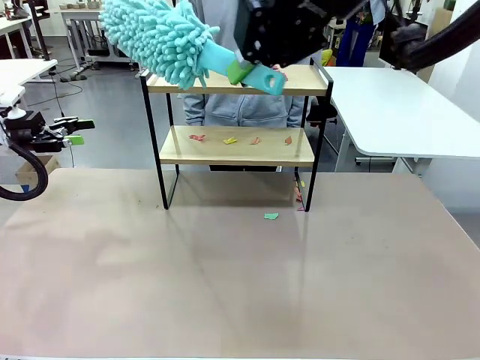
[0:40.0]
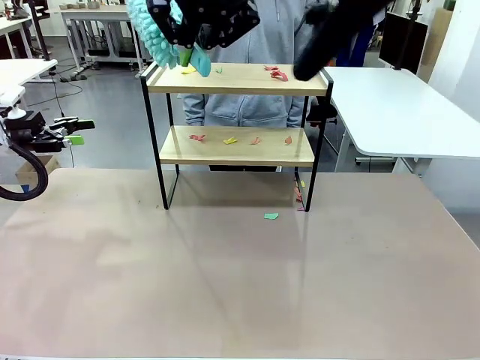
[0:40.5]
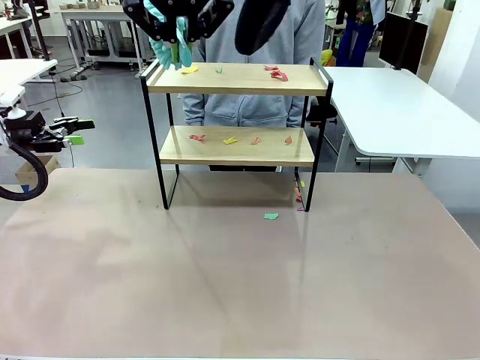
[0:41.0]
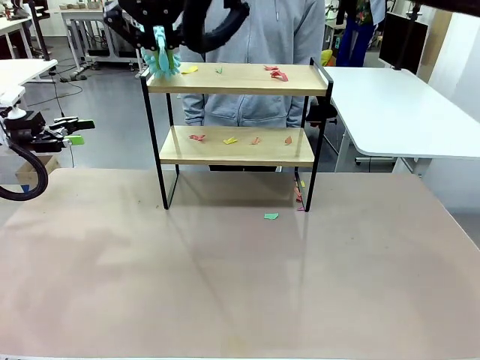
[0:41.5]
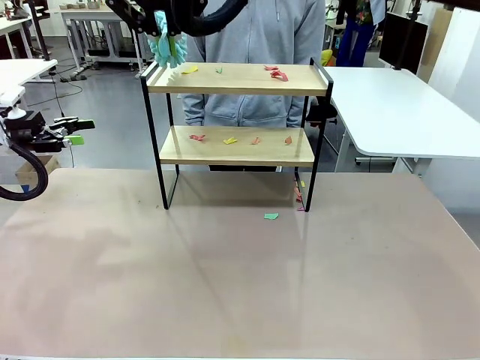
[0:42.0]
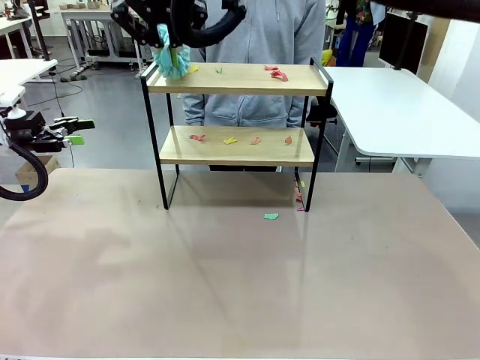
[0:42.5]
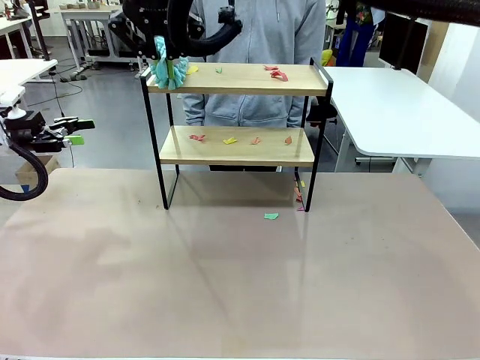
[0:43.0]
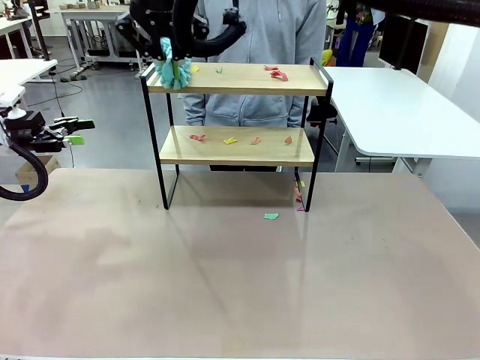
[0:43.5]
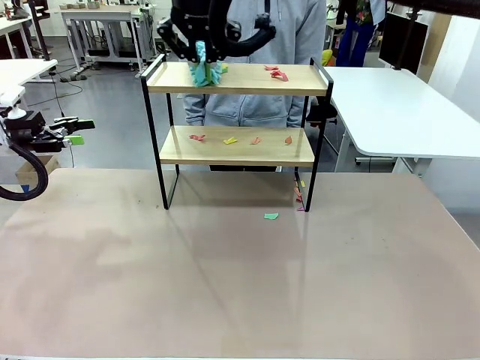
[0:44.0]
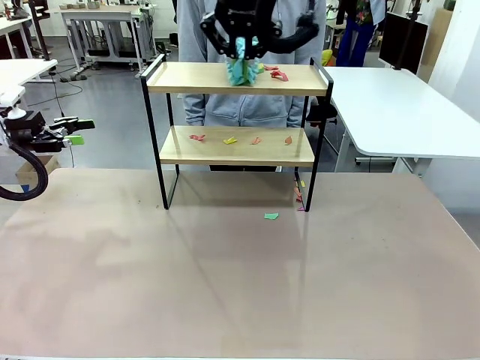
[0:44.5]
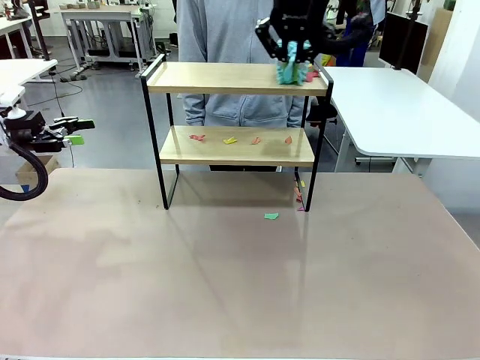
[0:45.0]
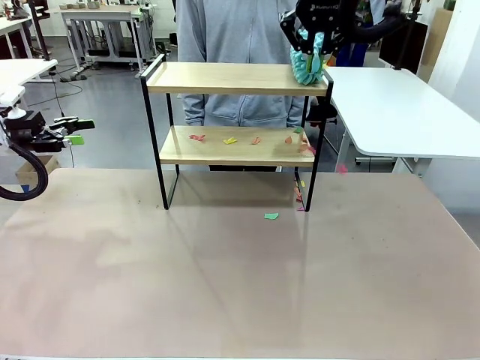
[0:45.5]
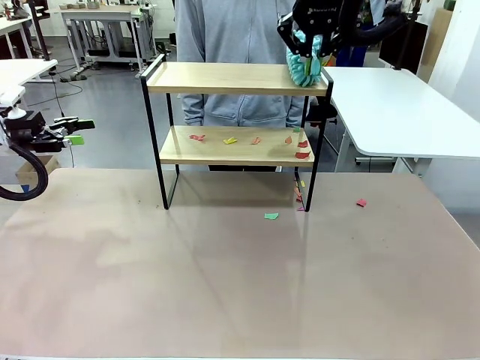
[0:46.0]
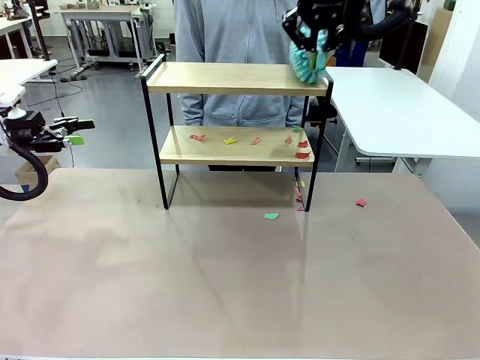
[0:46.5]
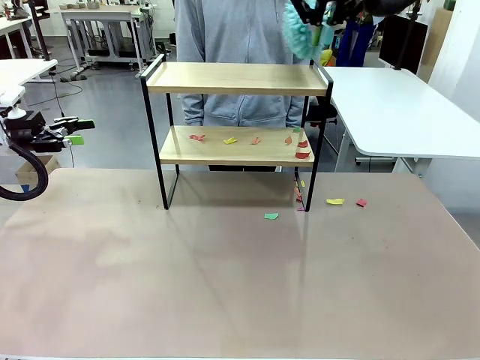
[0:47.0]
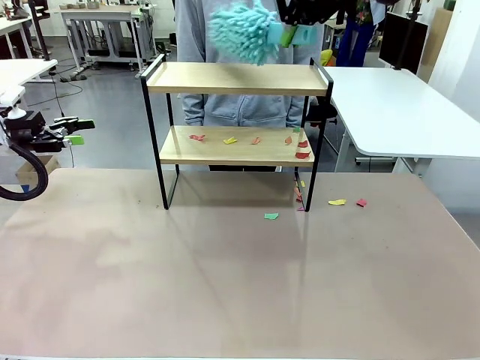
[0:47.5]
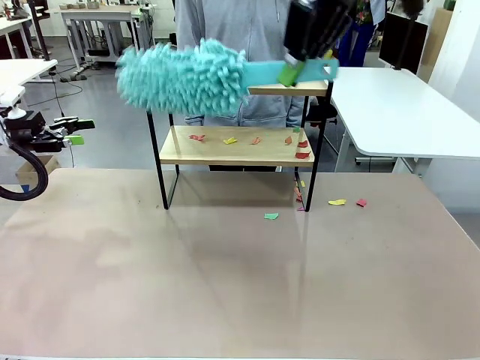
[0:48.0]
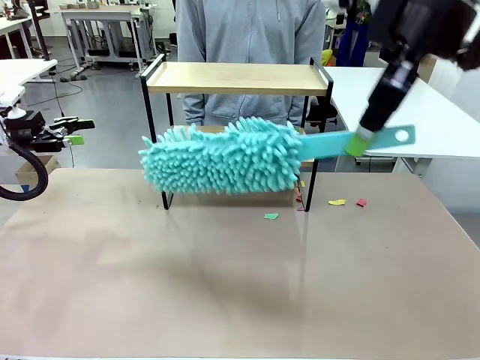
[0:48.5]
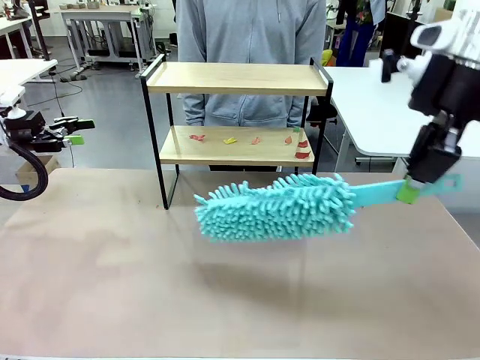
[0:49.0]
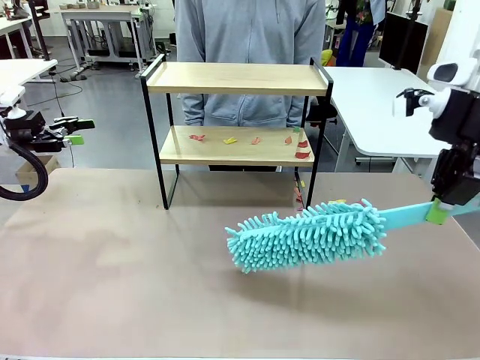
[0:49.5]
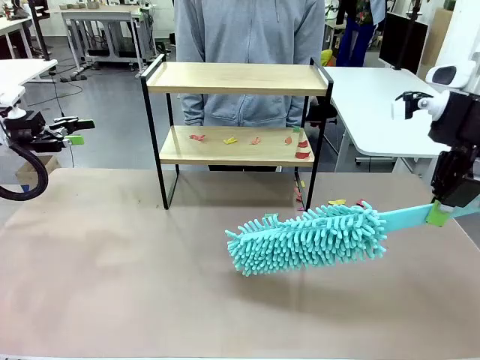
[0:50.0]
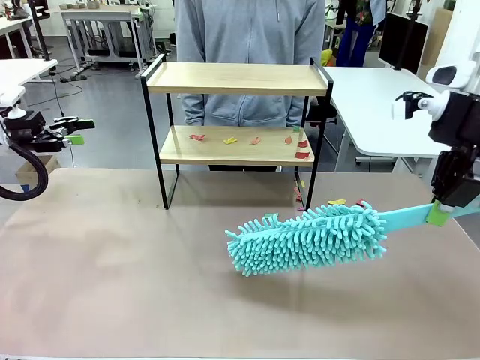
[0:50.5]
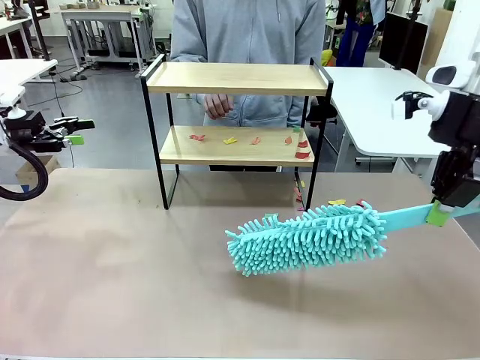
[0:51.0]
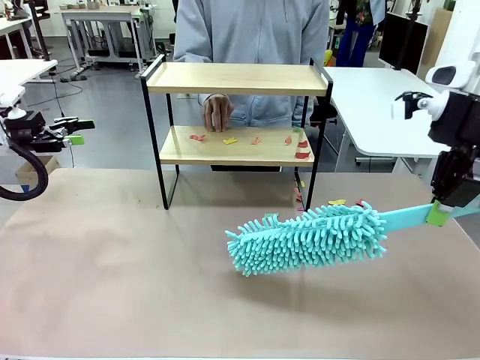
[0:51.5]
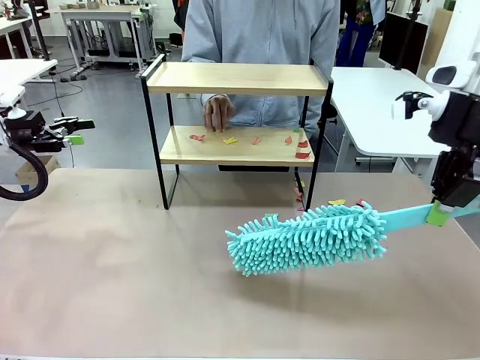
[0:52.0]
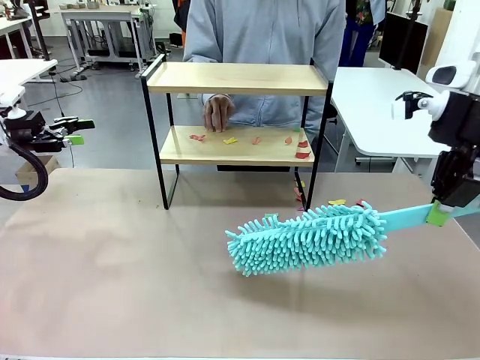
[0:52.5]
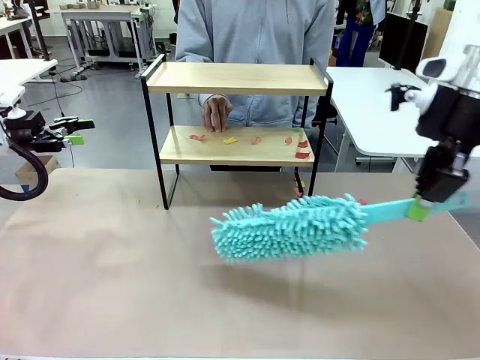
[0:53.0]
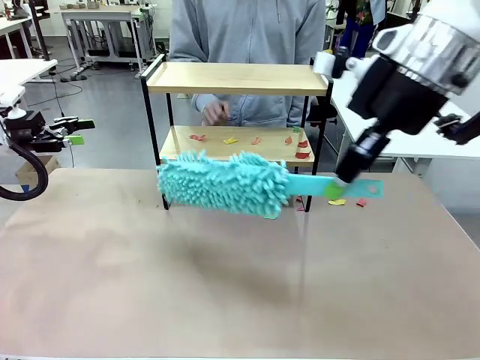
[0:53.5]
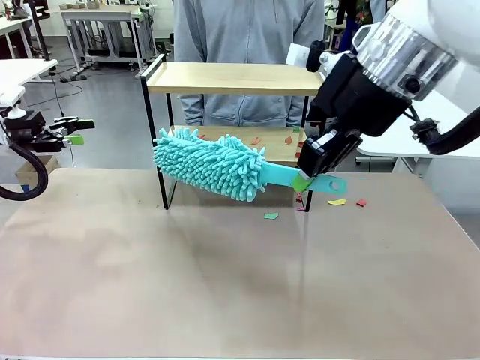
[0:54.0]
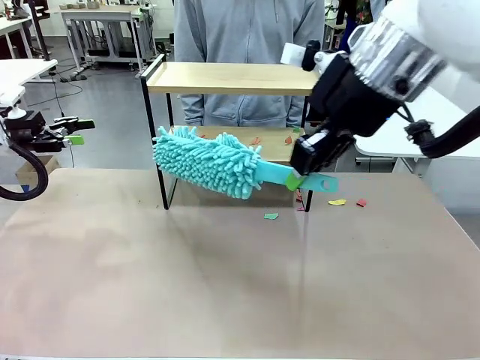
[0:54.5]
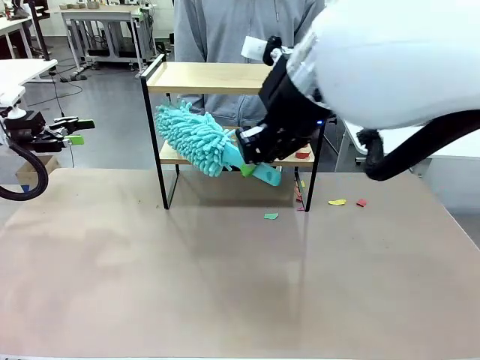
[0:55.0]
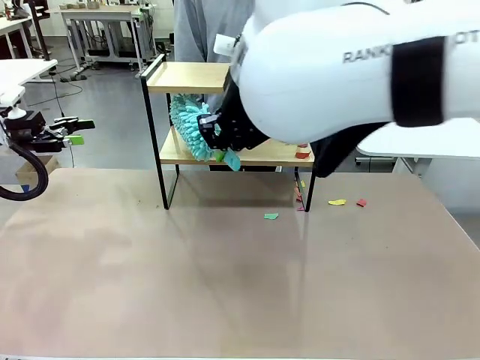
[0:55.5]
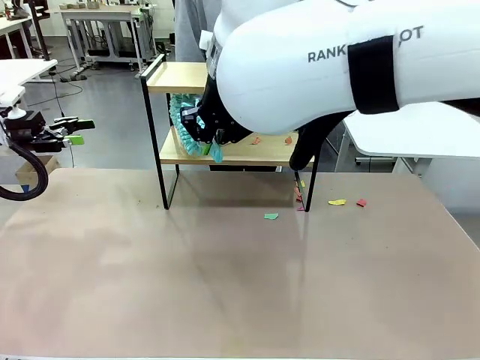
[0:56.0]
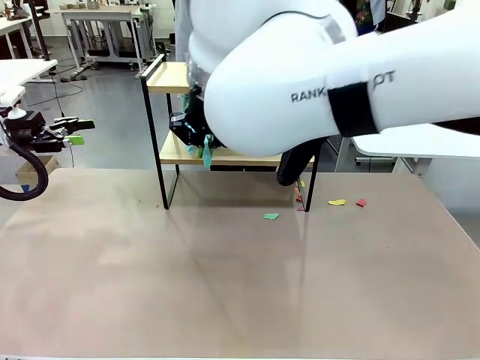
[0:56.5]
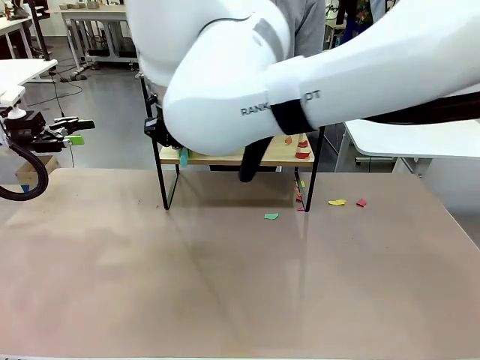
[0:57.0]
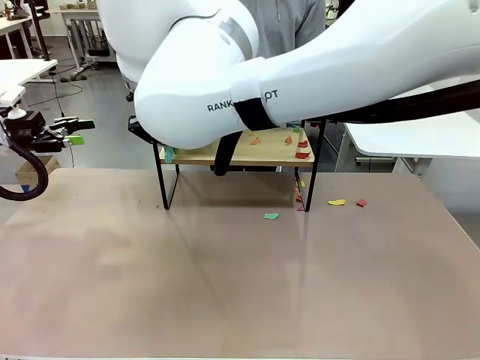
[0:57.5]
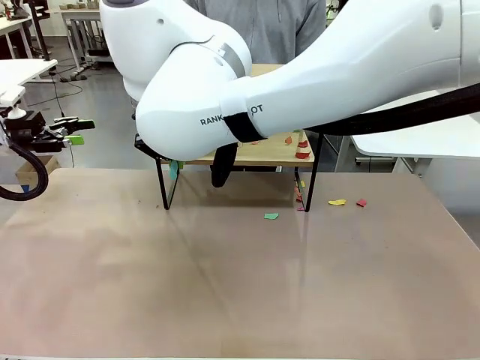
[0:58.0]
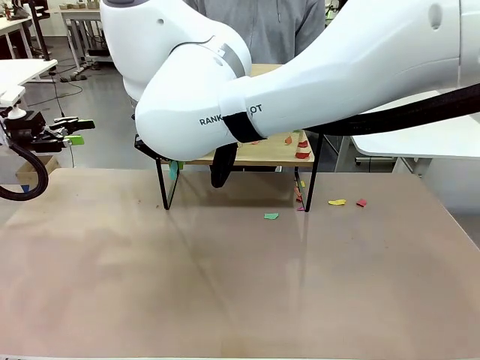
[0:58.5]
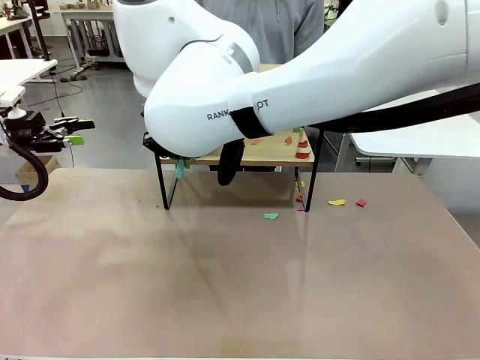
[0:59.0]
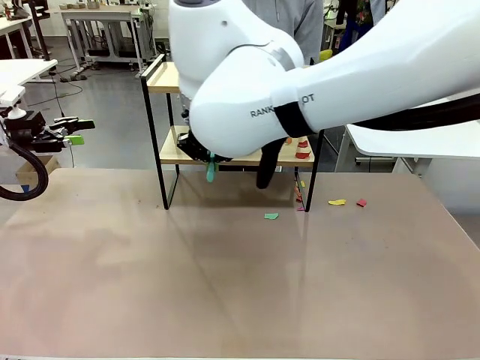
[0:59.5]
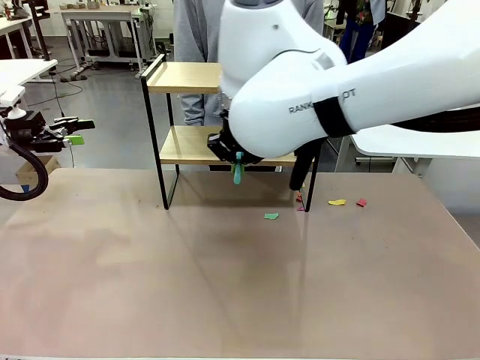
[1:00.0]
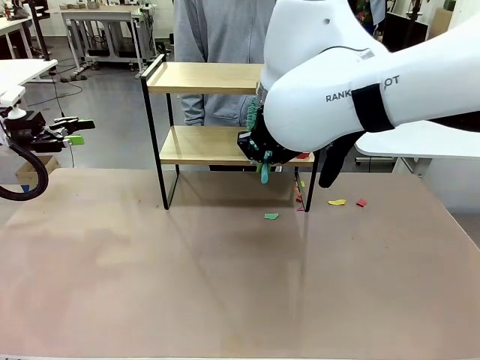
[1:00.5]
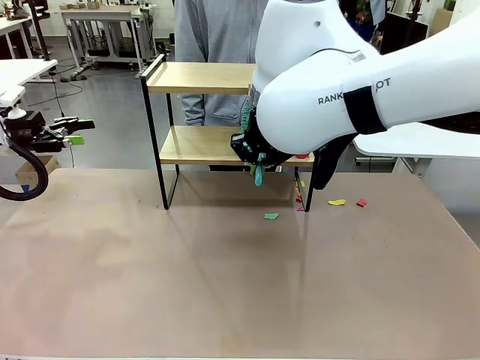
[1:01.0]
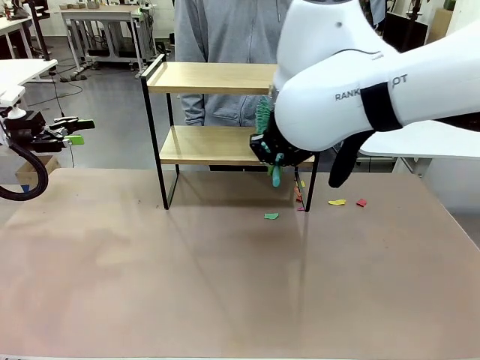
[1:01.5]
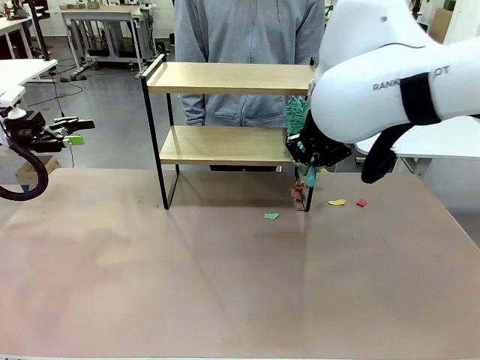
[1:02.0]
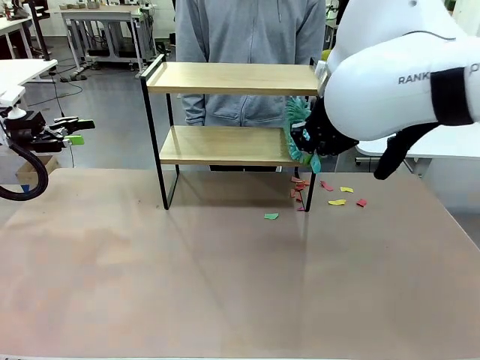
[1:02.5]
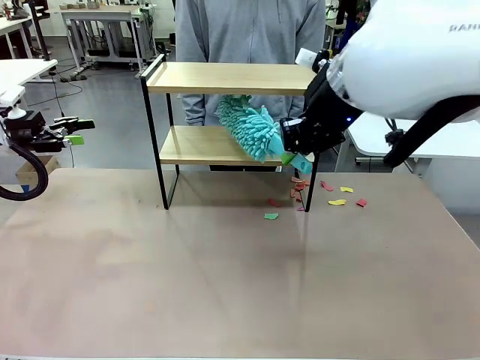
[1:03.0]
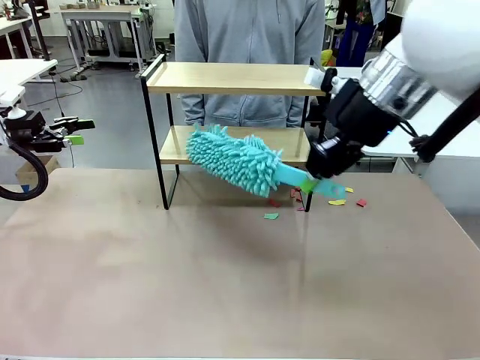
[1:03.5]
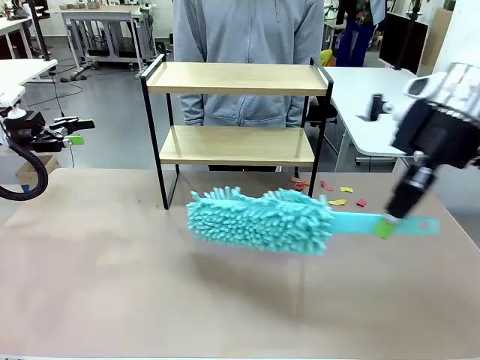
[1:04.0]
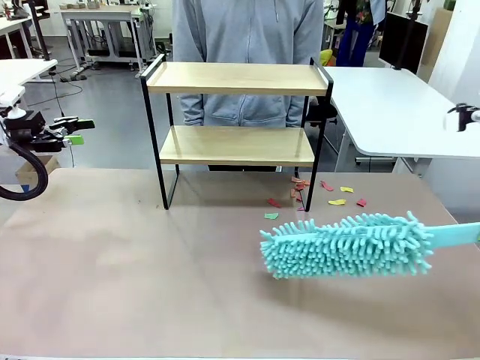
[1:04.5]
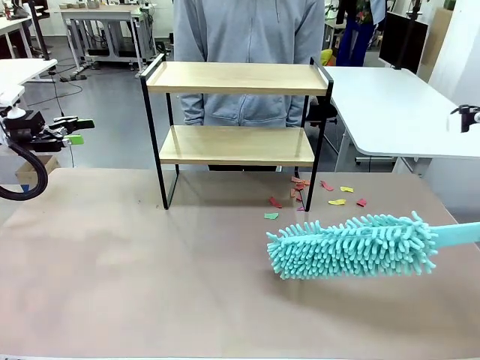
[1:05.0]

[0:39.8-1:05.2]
Task: Clean the shelf.
Robot: Clean the specific section of the Shelf indicated by the human with the Duster.
Person: Point a remaining section of the Shelf.

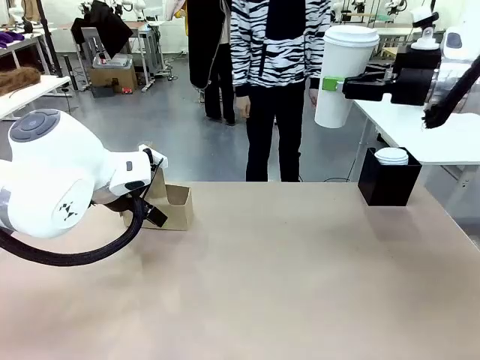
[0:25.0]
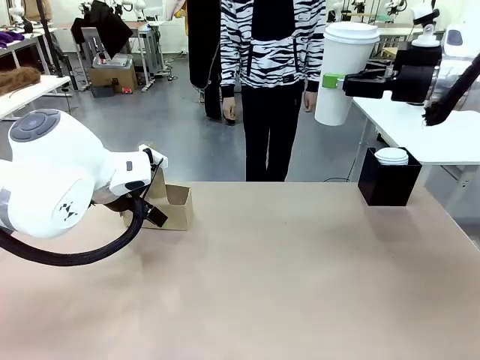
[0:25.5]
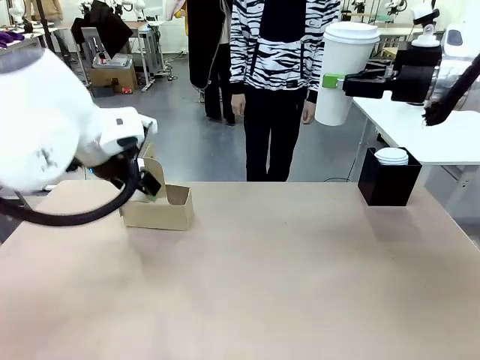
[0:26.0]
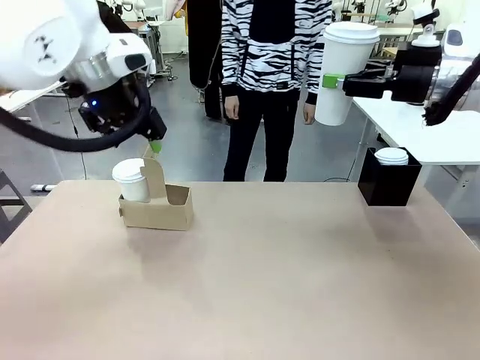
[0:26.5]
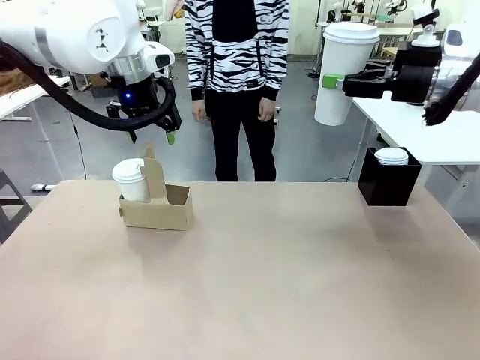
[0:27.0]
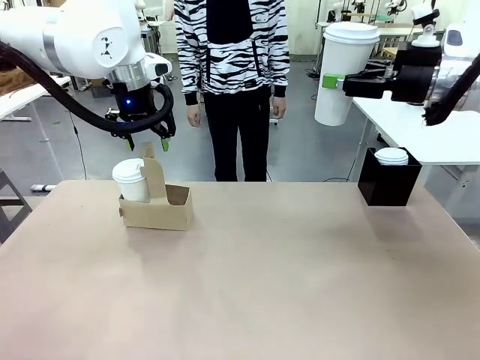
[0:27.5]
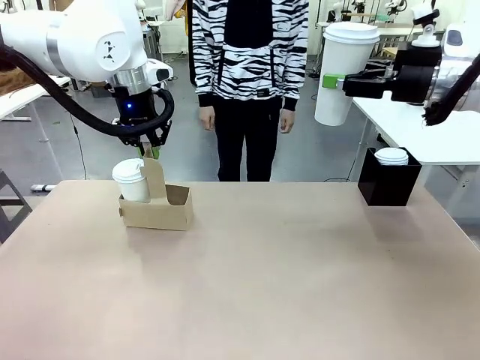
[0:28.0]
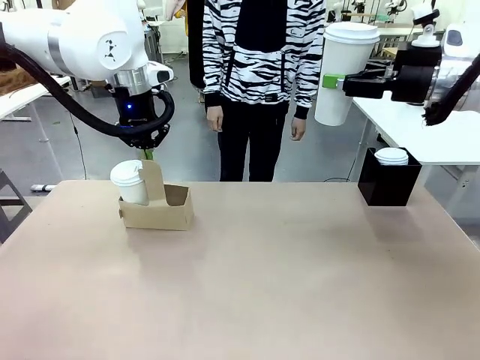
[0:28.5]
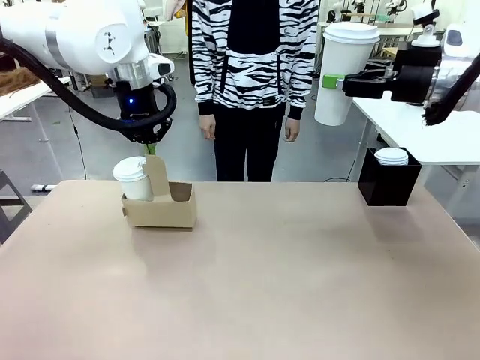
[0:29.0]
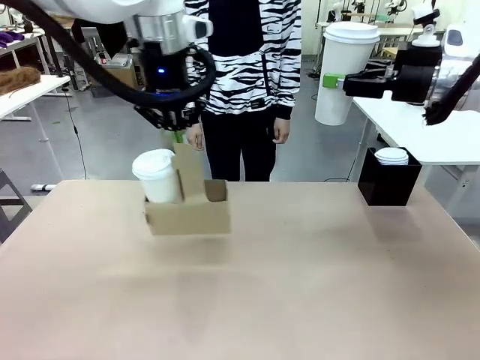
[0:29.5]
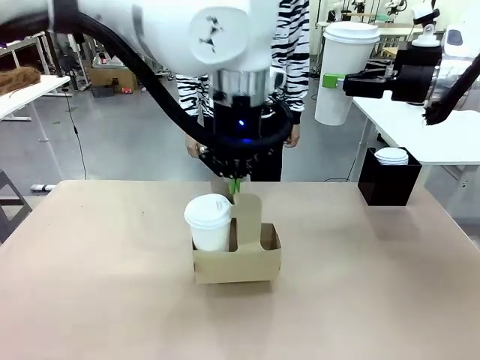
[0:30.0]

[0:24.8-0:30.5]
Task: Pour a drink into a cup and package it in a carrier.
Robot: Position the Cup Carrier in the center of the table.
